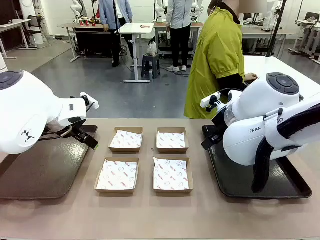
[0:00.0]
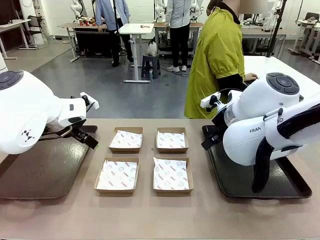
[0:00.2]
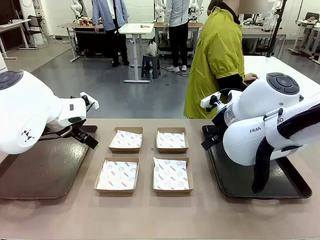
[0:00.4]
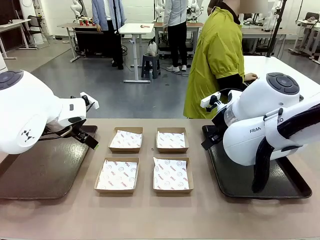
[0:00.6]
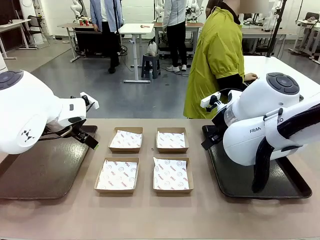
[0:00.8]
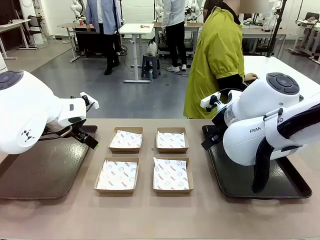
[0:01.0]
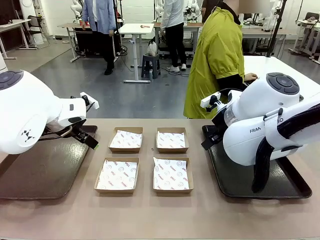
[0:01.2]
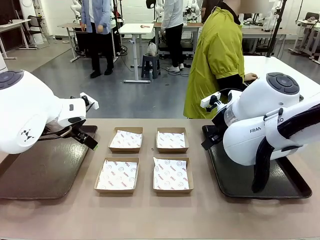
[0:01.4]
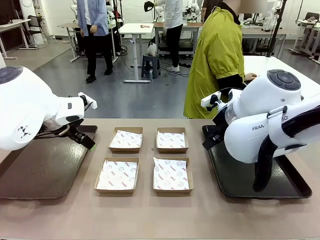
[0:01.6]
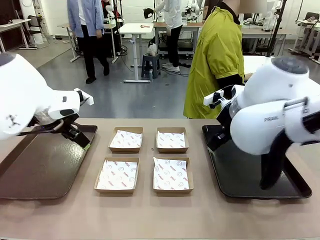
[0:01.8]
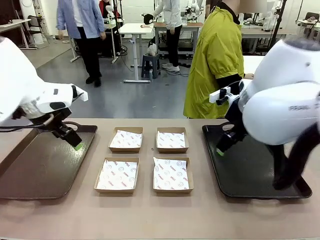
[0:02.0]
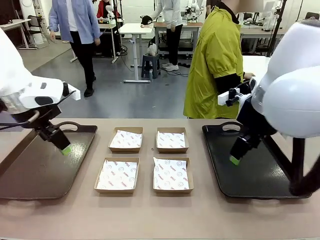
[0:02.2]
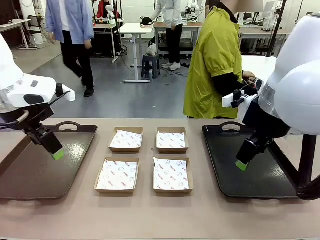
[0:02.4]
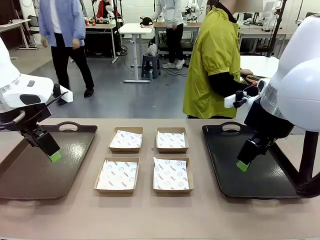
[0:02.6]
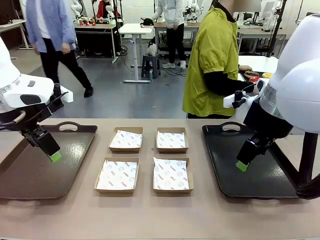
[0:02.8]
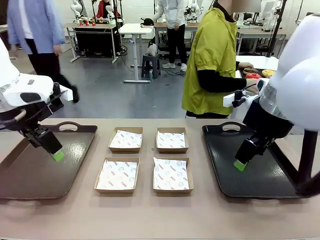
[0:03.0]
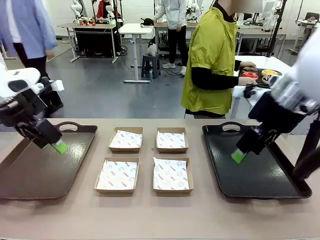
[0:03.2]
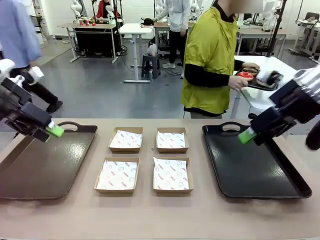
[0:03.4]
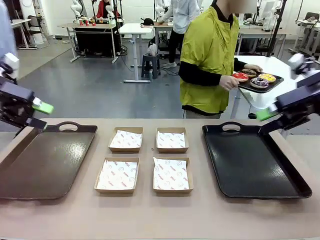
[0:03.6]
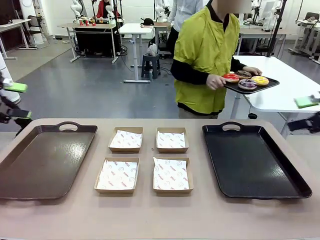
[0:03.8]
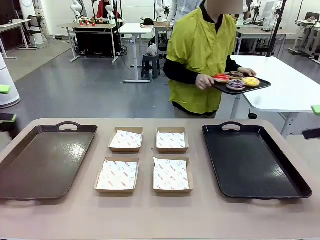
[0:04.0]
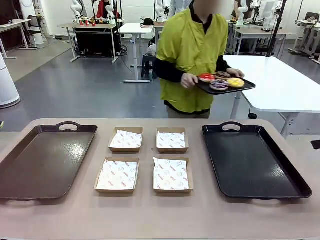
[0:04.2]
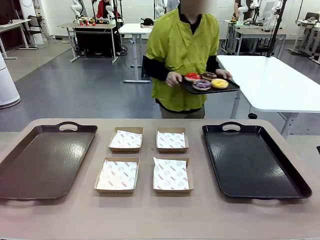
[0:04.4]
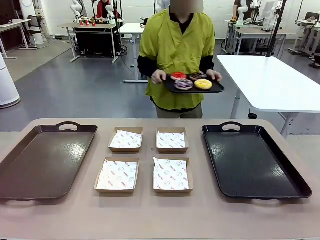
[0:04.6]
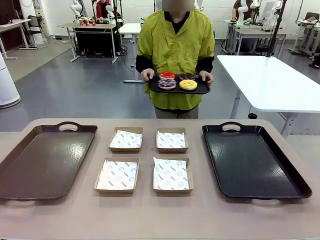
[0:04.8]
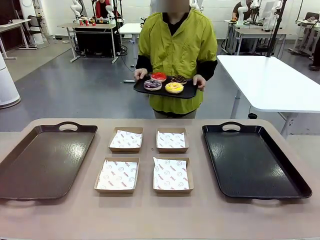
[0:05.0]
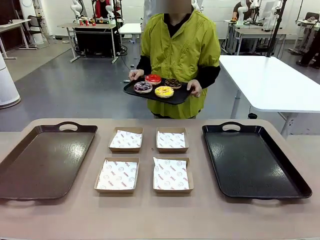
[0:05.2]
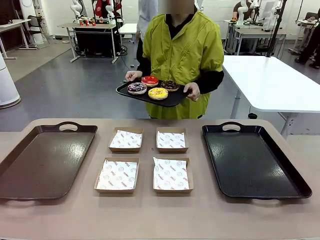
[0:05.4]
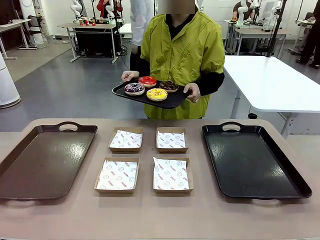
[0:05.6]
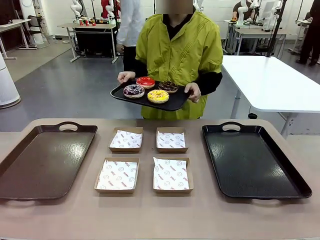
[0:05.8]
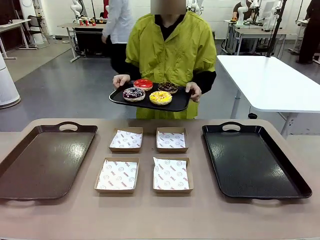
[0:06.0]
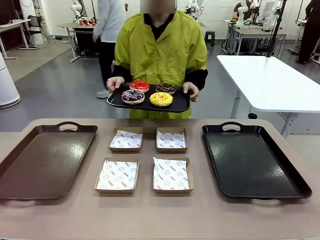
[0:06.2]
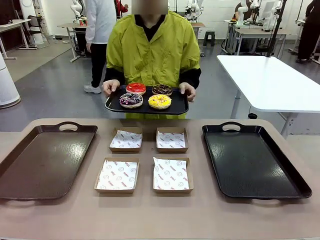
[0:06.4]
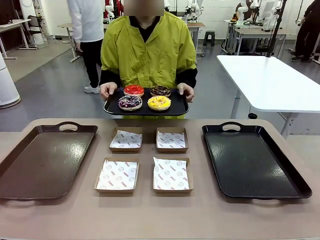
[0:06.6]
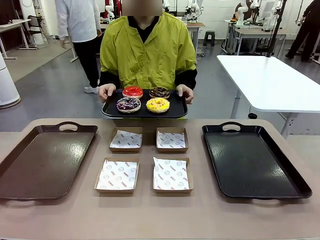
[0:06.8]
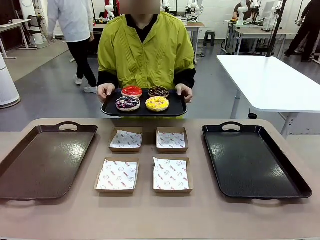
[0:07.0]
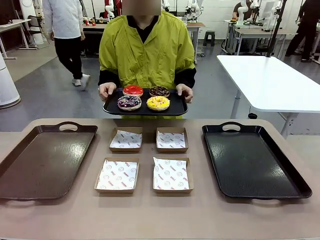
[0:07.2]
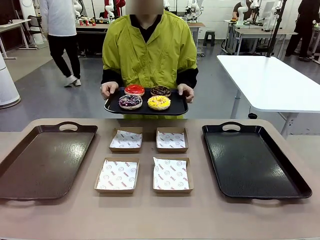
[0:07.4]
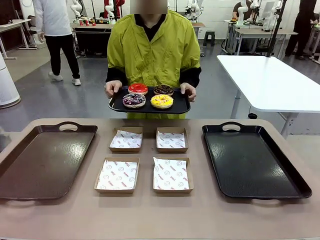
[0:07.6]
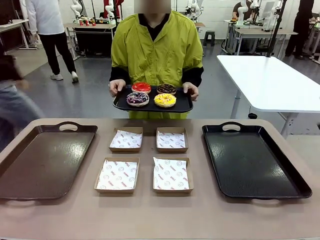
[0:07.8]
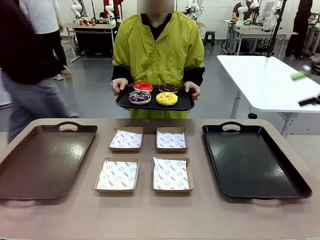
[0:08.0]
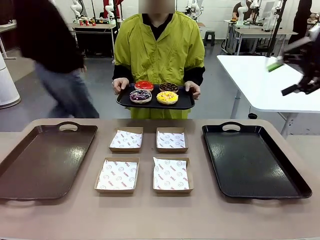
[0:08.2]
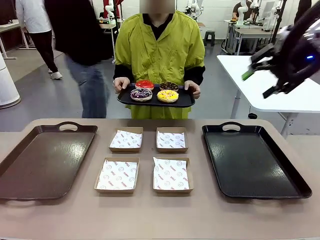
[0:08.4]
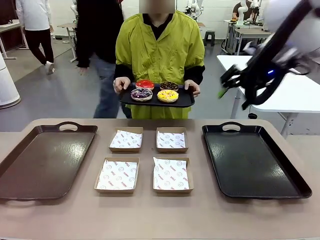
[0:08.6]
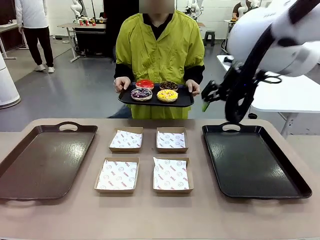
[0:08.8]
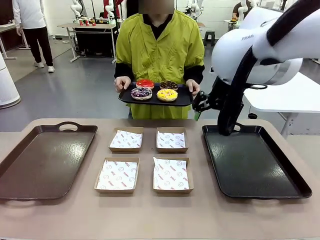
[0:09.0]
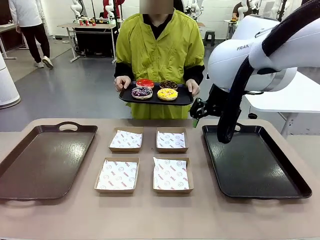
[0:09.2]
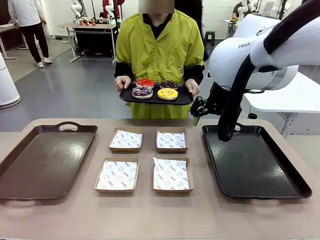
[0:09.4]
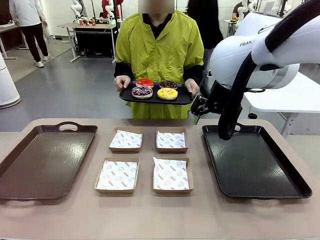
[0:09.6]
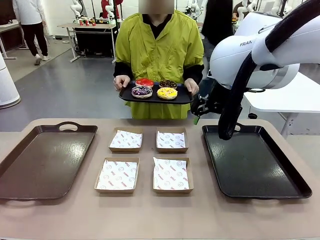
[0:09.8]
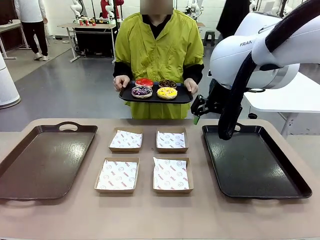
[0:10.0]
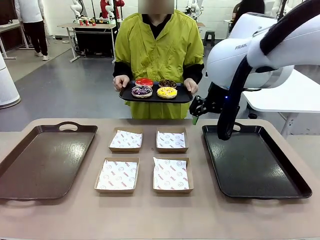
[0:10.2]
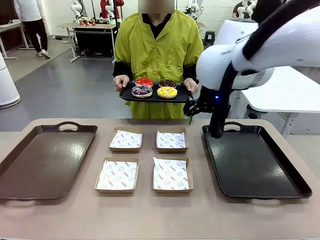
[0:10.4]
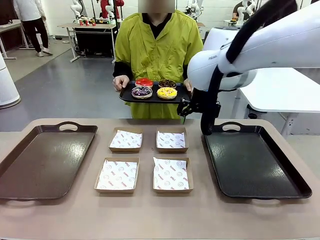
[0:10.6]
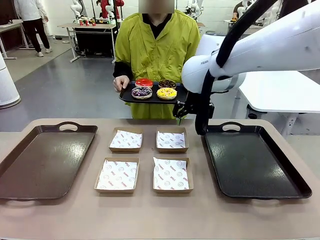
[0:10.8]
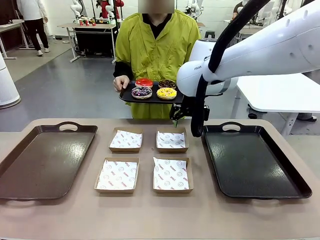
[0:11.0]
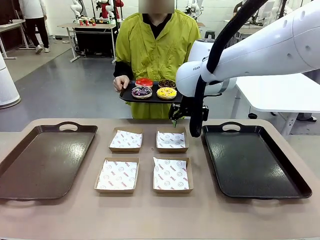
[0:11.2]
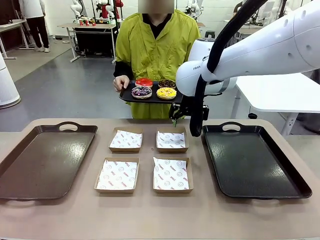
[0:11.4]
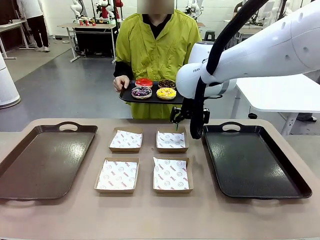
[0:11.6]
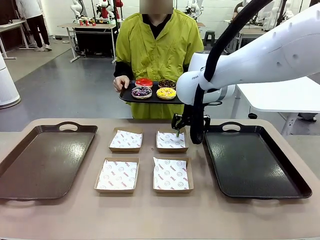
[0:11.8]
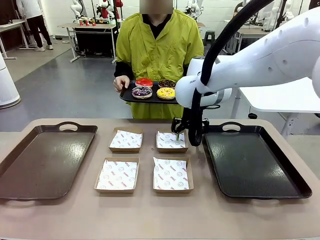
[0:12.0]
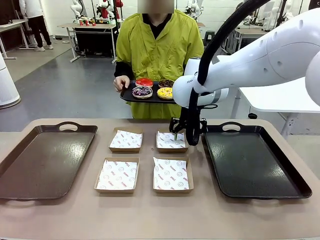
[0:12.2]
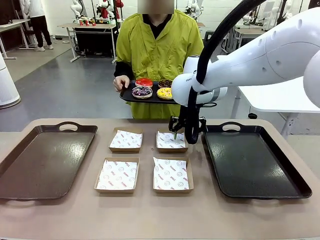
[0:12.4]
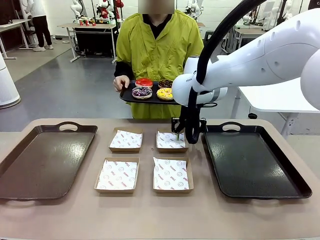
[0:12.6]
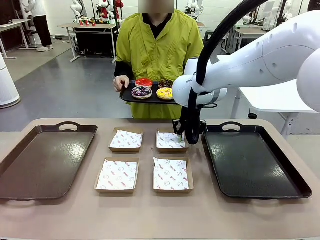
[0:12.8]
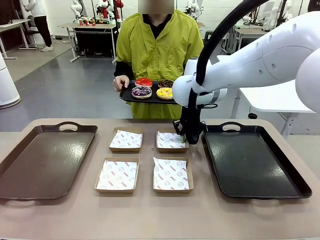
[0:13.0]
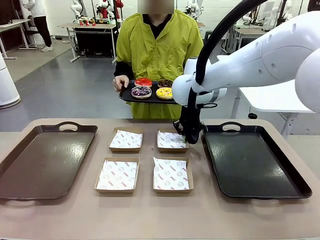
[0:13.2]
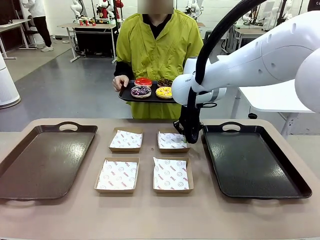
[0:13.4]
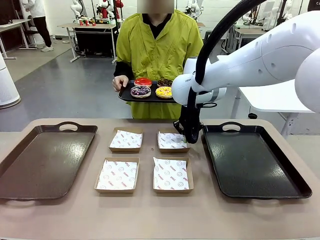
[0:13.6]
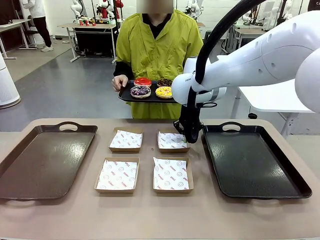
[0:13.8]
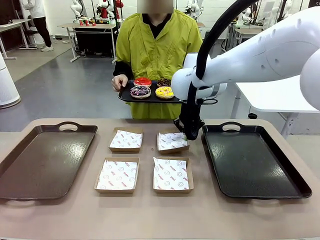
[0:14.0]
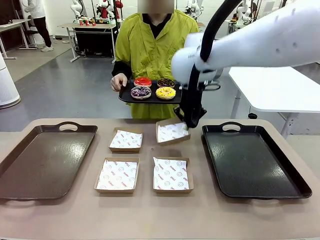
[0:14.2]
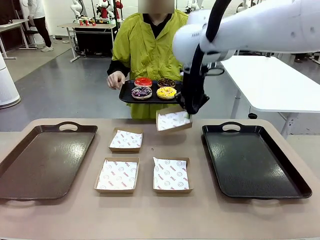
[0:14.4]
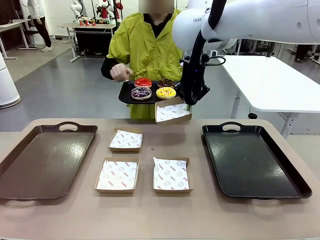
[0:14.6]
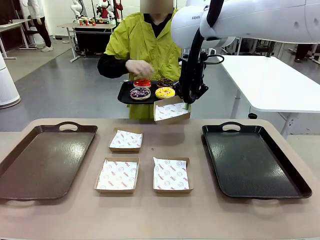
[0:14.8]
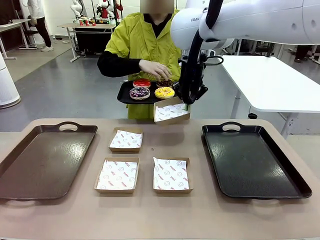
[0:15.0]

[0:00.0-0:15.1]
Task: Individually package the donuts and arrange them on the tray.
Robot: Pick up one Paper togo box.
Person: Stand in front of the robot table holding the tray containing the donuts.
